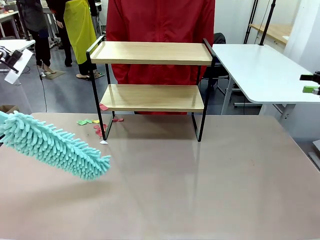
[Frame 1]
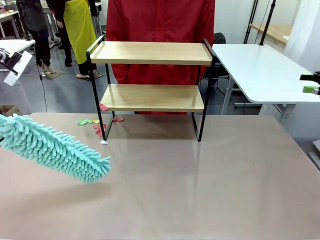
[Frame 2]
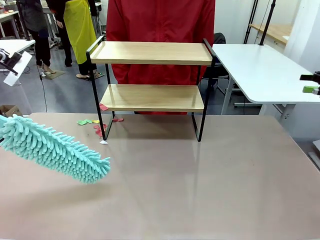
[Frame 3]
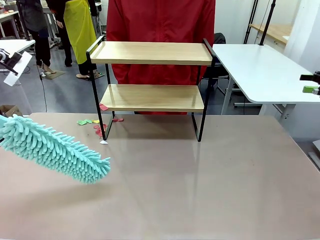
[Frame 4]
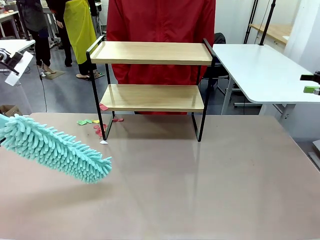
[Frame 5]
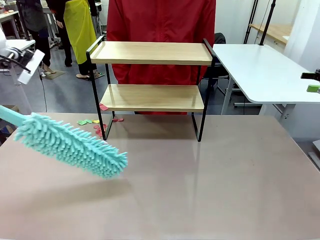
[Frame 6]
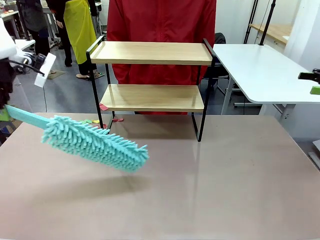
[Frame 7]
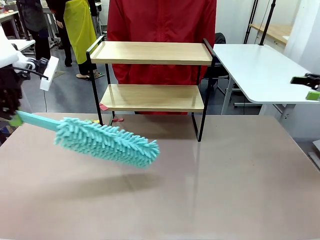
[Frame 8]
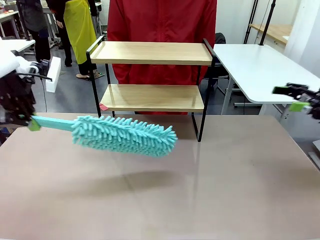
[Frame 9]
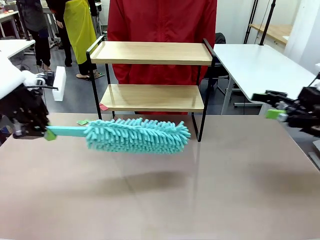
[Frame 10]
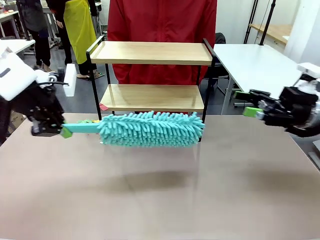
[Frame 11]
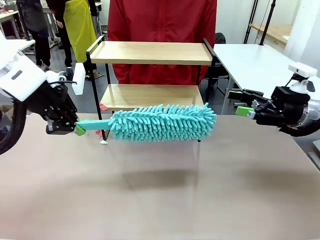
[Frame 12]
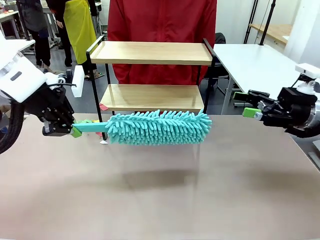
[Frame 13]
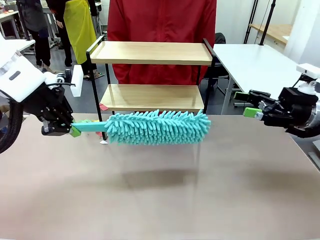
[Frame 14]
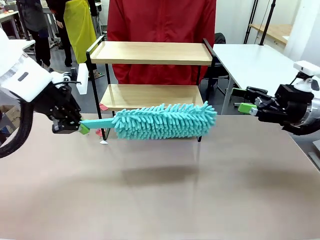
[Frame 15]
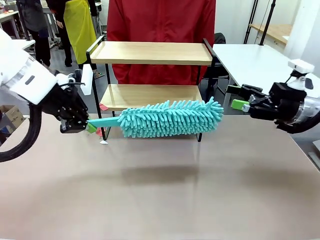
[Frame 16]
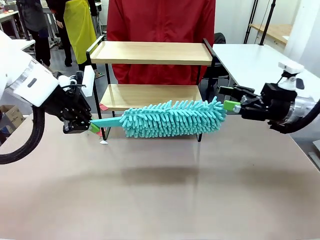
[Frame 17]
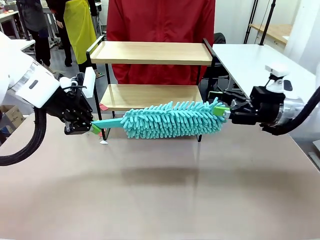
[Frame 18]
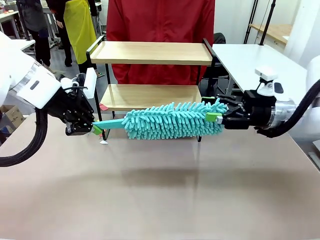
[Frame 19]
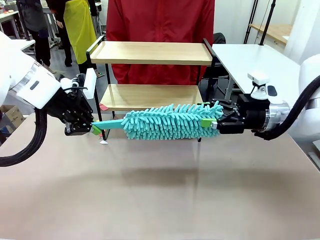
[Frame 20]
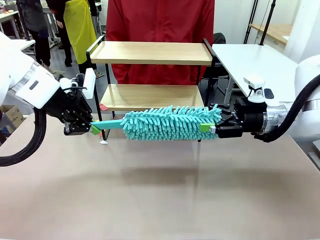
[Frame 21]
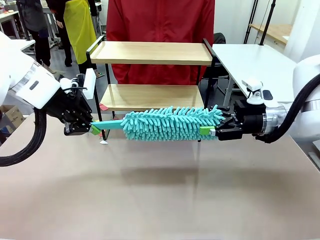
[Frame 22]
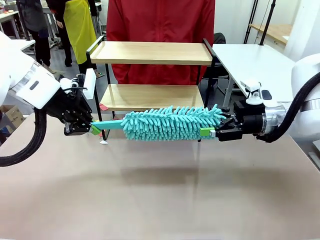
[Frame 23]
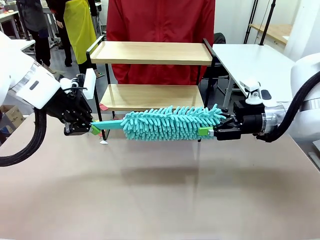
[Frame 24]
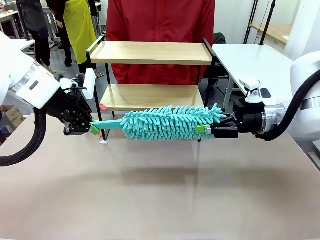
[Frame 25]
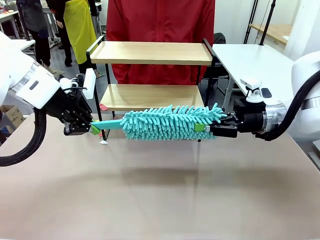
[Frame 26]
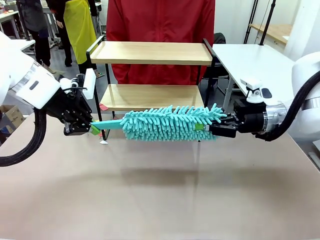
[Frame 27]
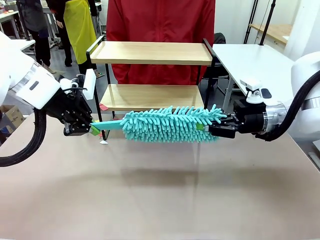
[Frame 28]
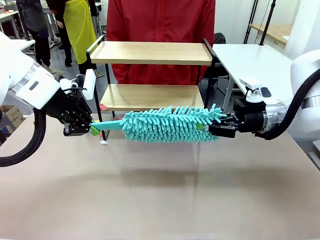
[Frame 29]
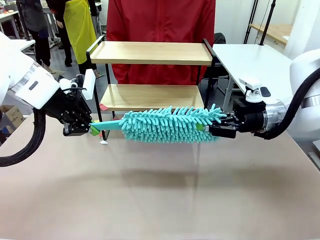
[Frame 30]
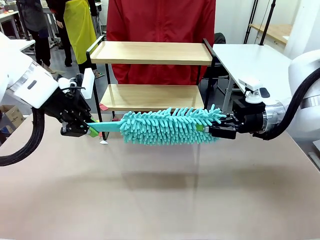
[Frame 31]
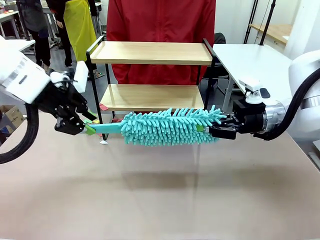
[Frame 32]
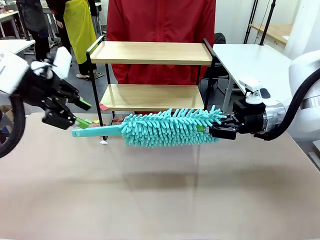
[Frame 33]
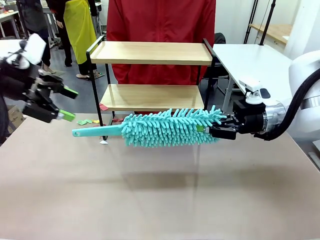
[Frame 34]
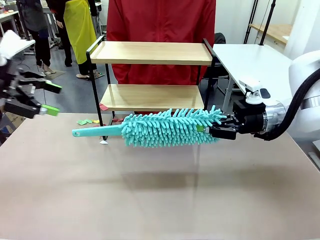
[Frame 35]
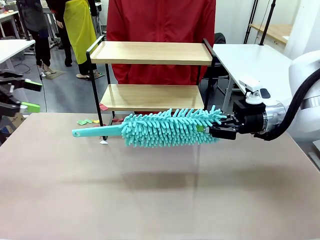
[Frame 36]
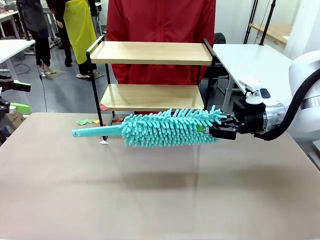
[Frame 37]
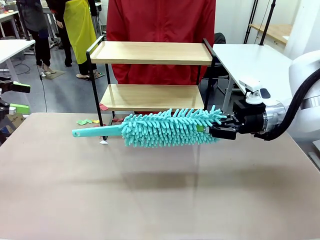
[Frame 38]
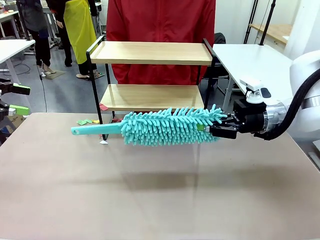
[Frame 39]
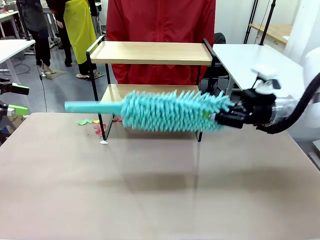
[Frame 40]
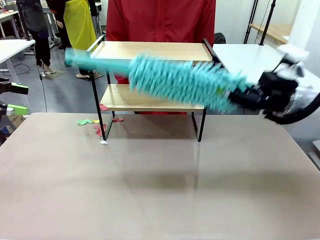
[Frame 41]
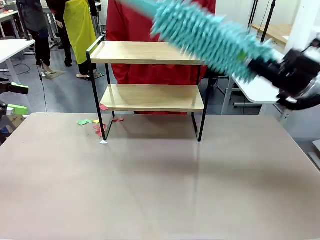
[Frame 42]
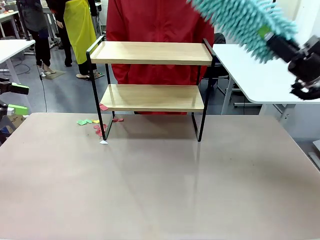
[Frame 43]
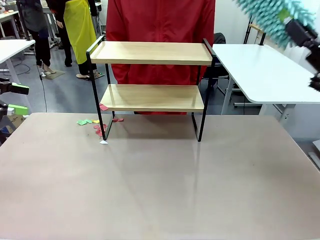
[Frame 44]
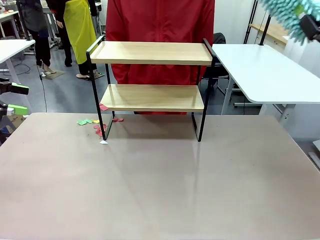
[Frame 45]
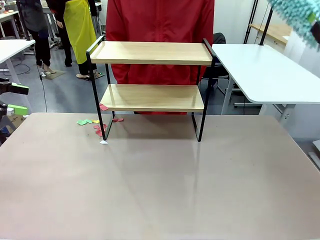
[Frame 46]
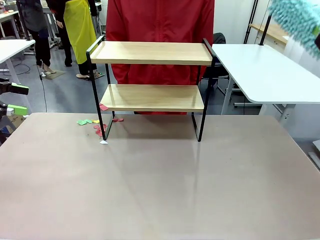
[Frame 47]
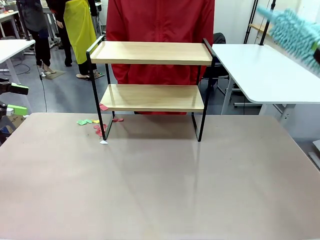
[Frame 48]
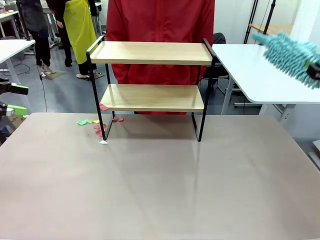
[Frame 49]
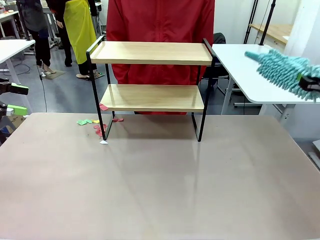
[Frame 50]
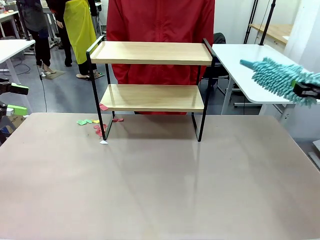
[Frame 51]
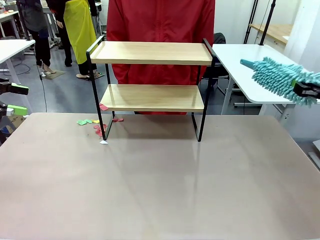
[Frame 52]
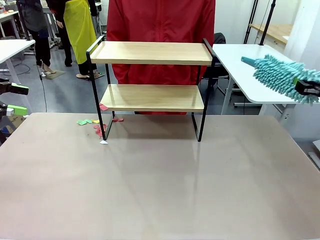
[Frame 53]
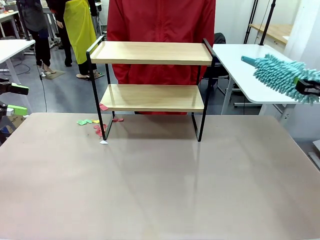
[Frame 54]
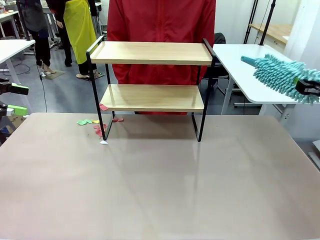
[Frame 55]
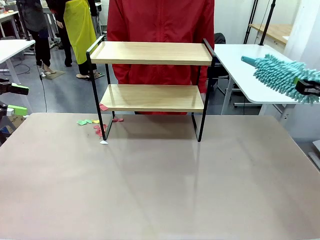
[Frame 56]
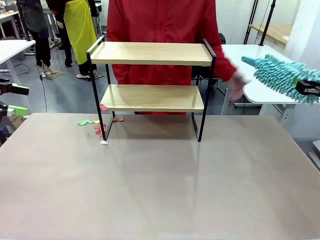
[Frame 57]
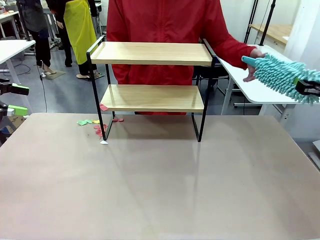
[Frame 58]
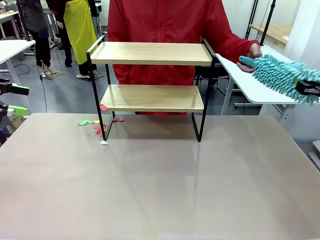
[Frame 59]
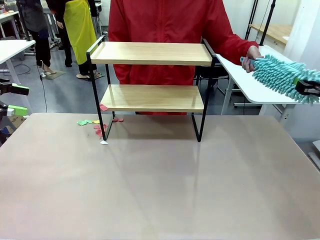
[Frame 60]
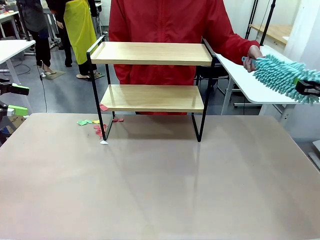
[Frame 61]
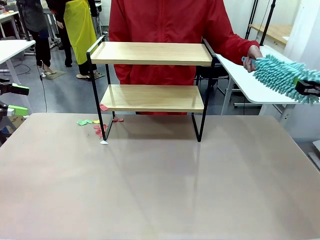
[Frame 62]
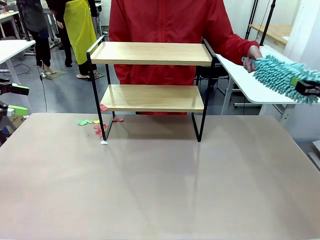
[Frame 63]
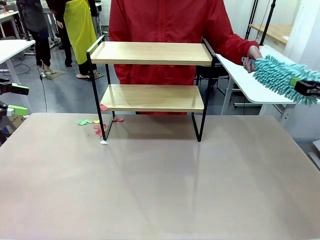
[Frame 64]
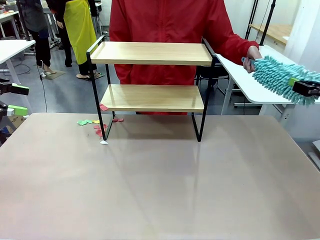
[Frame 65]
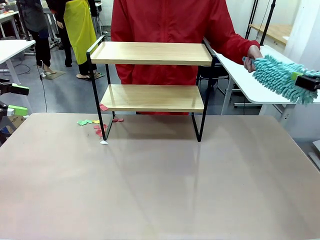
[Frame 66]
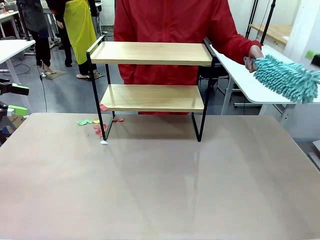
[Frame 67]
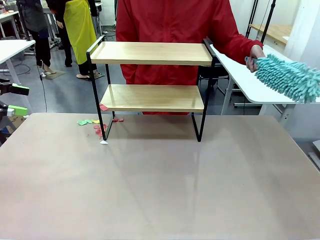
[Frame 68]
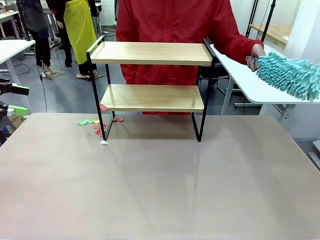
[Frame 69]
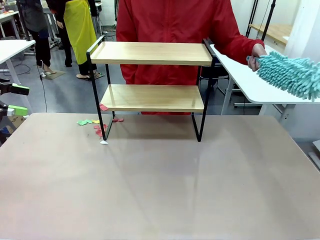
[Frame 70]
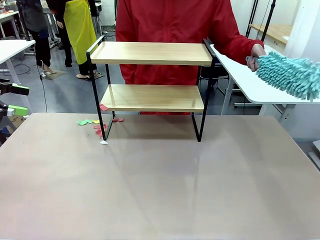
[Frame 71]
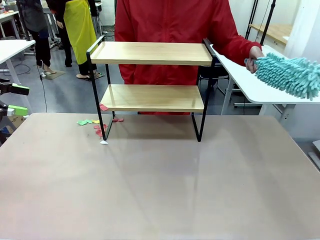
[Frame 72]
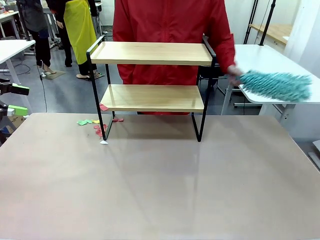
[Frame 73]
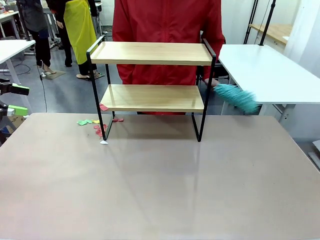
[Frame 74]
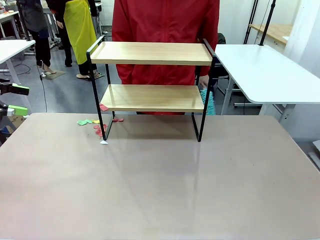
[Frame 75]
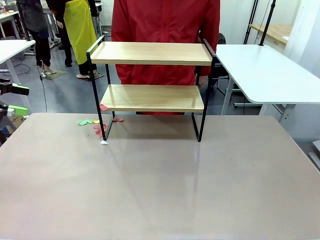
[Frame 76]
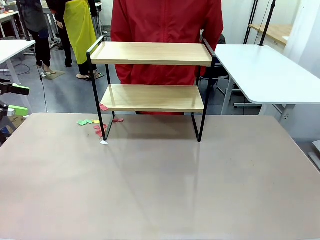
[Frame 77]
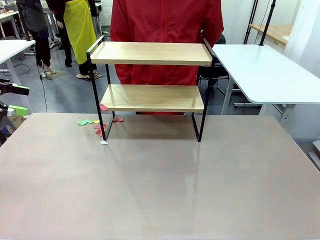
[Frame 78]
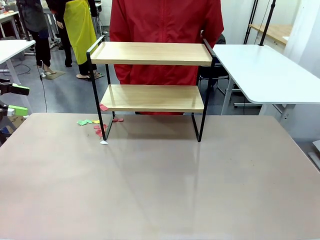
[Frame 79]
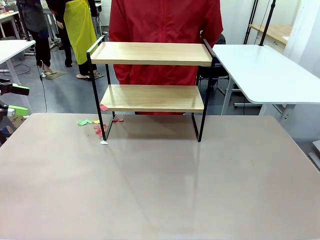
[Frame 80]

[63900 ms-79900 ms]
Task: Clean the shelf.
Robot: Hand the Duster back to the human.
Person: Receive the Duster from the robot.

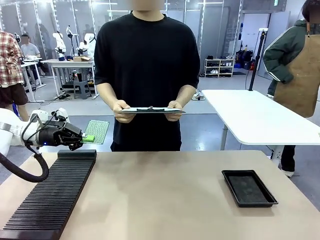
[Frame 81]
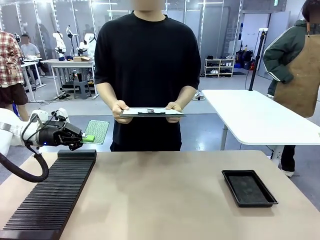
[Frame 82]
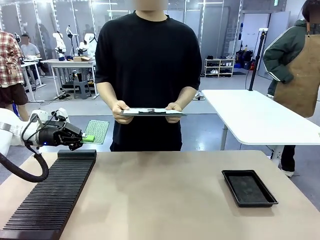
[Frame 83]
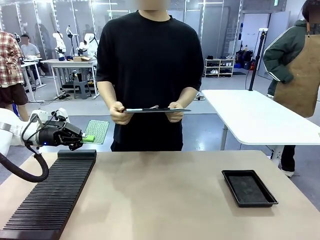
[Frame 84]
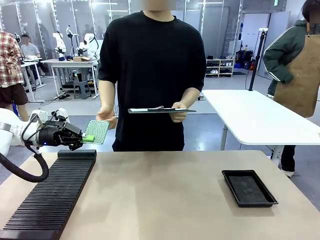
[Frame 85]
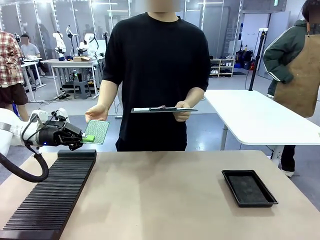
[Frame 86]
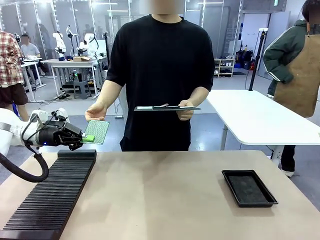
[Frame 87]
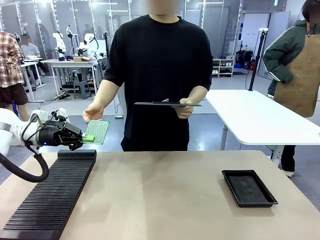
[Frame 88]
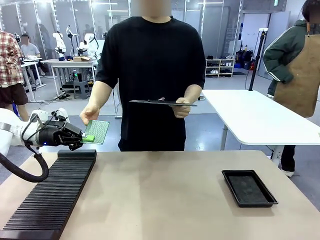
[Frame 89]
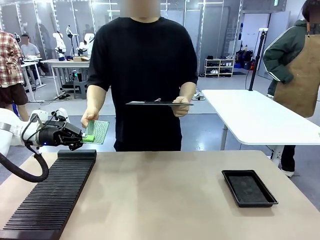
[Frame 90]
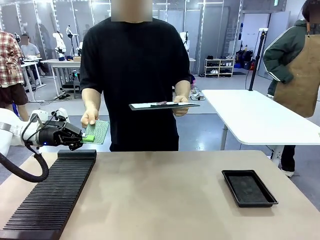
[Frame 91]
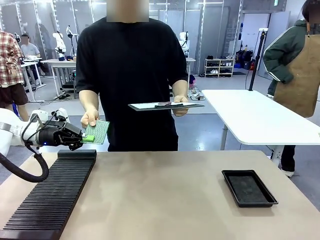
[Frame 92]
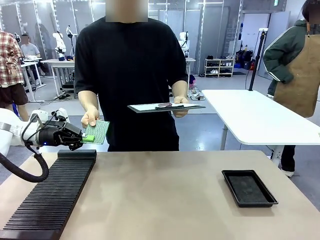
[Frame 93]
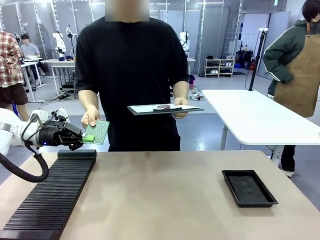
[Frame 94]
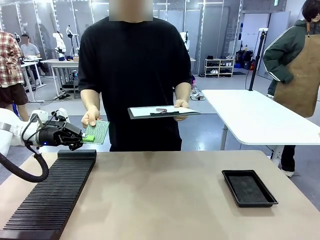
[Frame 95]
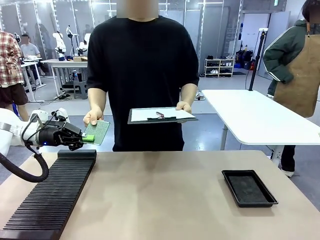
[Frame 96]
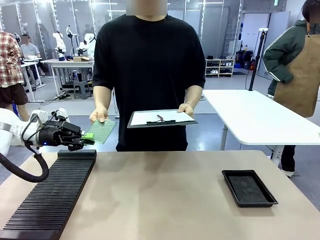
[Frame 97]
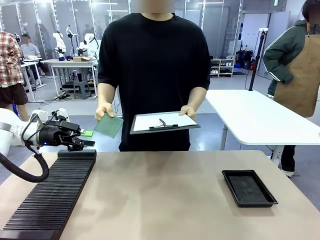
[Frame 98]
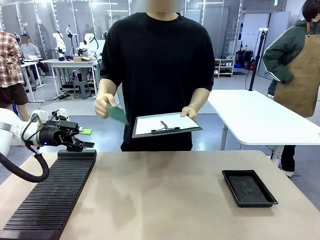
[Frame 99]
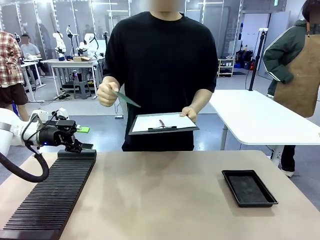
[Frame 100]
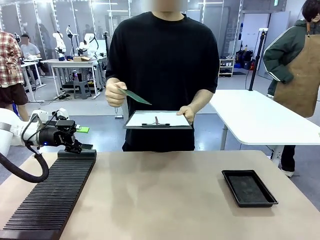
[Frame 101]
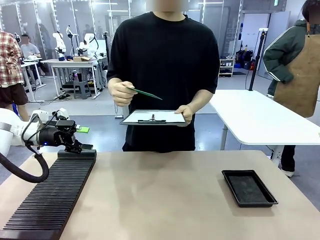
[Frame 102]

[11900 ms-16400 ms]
Task: Inspect the PCB.
Robot: Release the Blank PCB you were holding.
